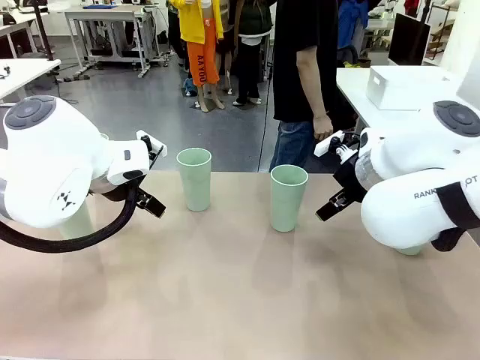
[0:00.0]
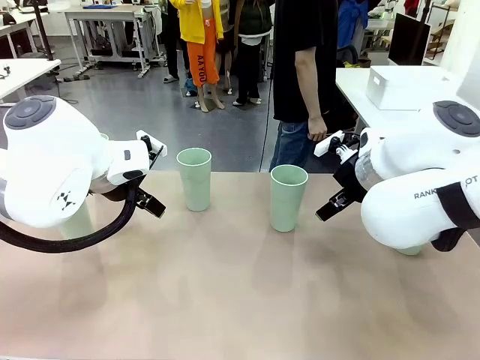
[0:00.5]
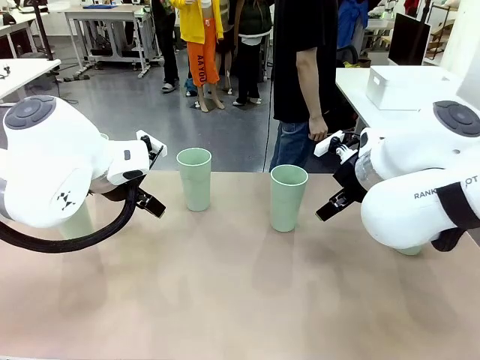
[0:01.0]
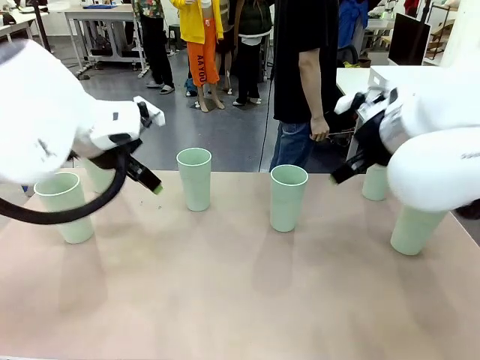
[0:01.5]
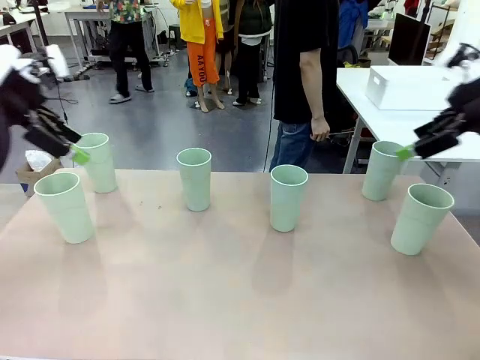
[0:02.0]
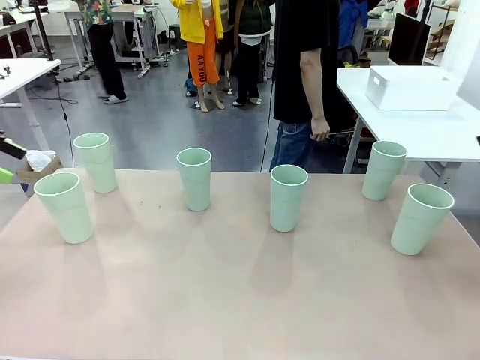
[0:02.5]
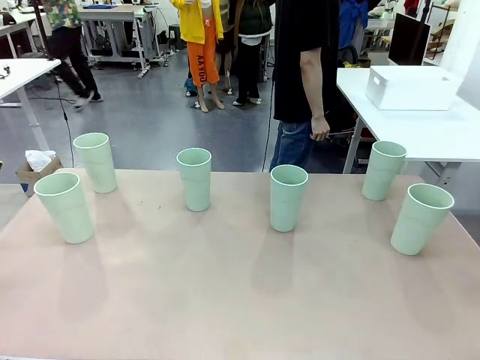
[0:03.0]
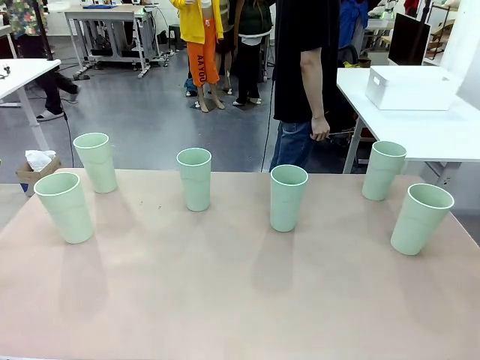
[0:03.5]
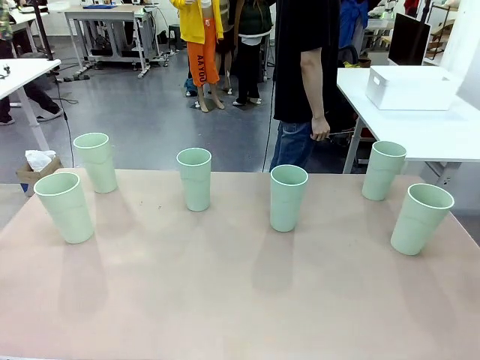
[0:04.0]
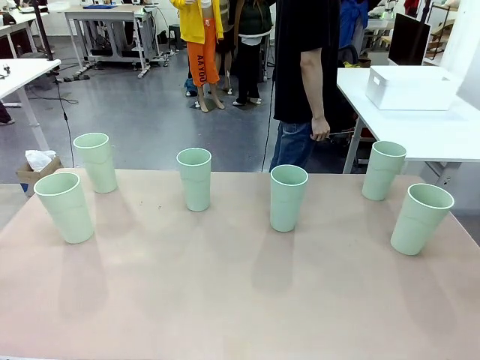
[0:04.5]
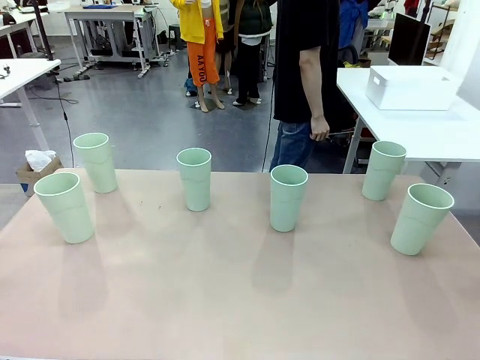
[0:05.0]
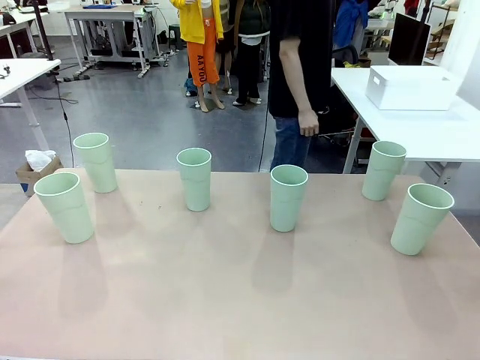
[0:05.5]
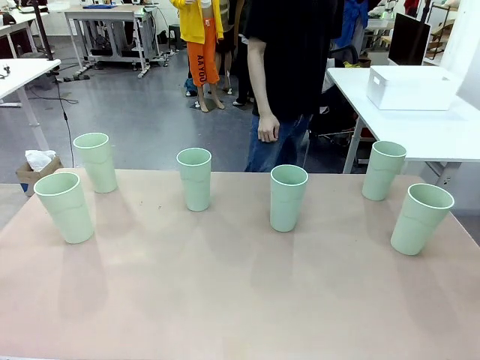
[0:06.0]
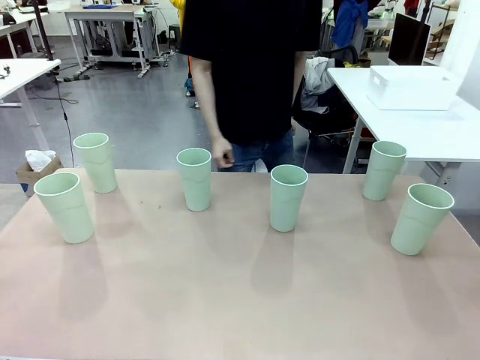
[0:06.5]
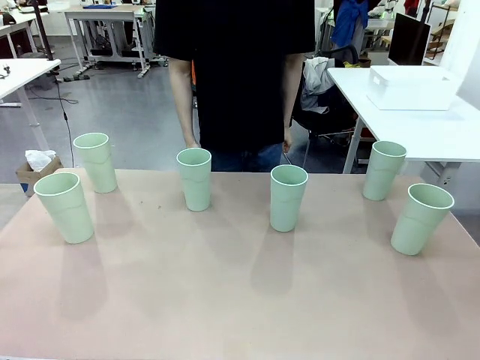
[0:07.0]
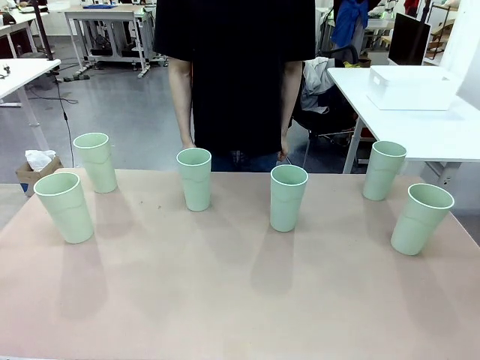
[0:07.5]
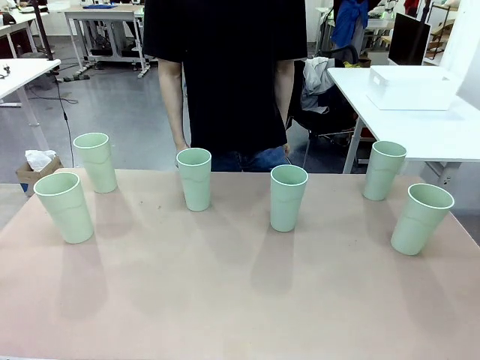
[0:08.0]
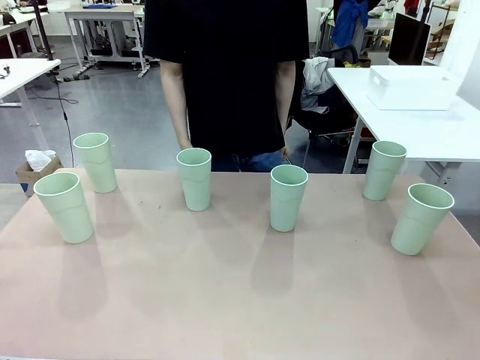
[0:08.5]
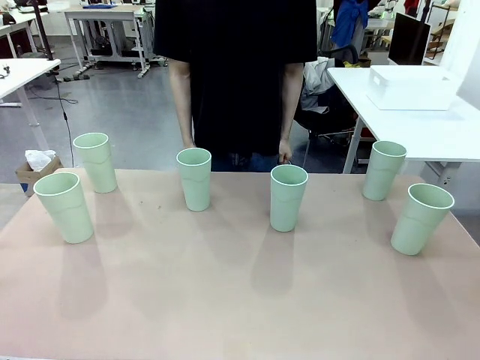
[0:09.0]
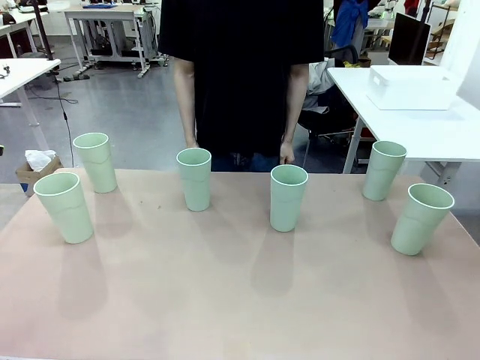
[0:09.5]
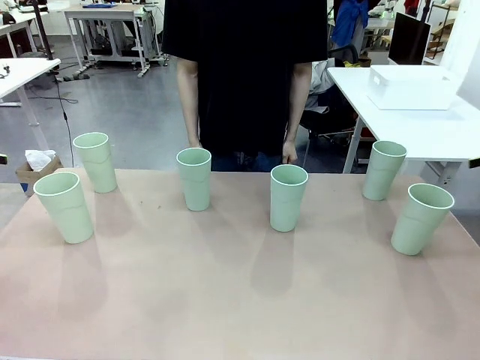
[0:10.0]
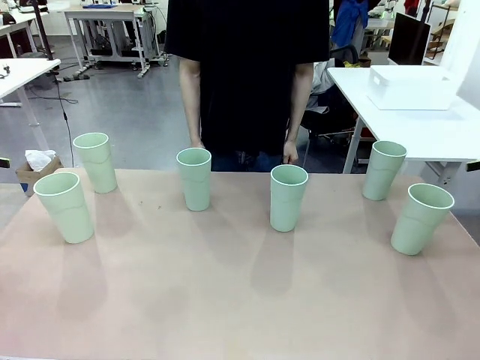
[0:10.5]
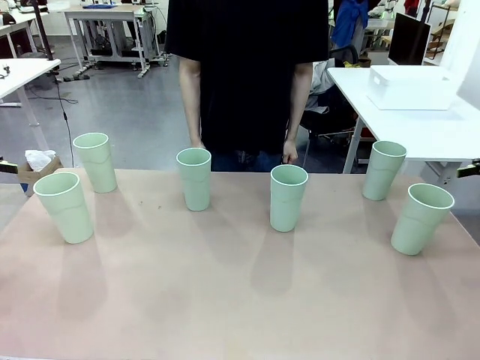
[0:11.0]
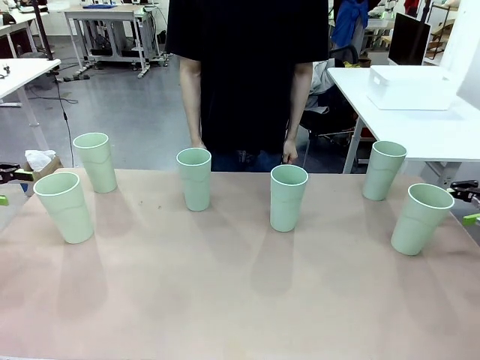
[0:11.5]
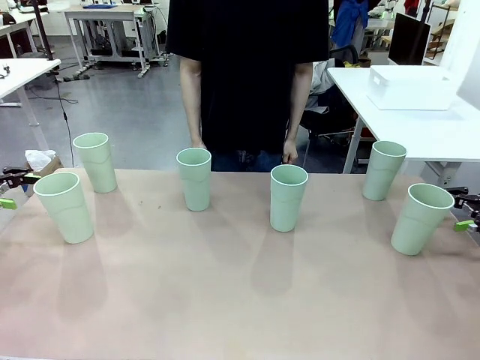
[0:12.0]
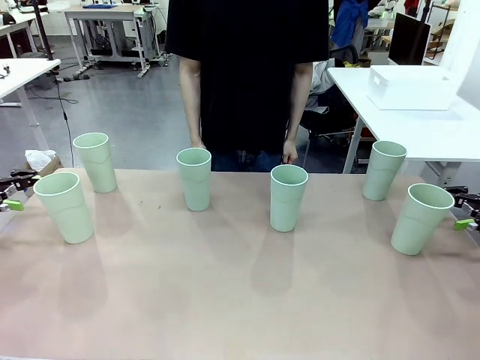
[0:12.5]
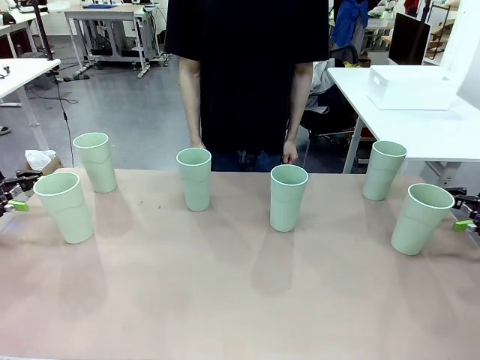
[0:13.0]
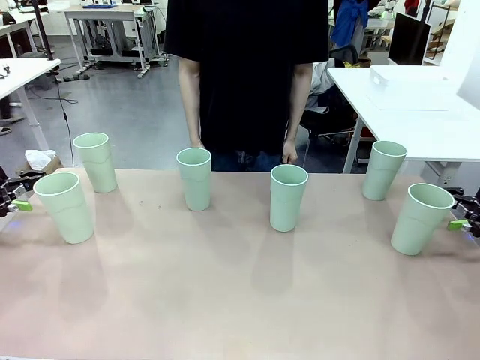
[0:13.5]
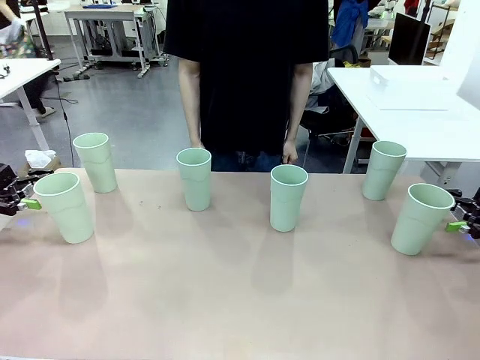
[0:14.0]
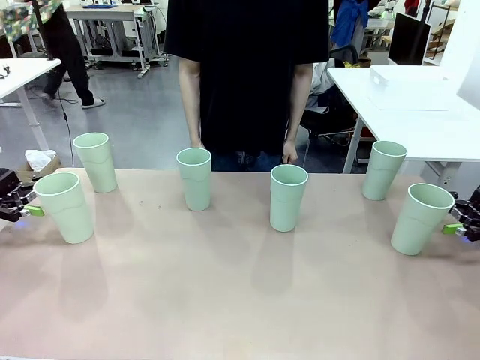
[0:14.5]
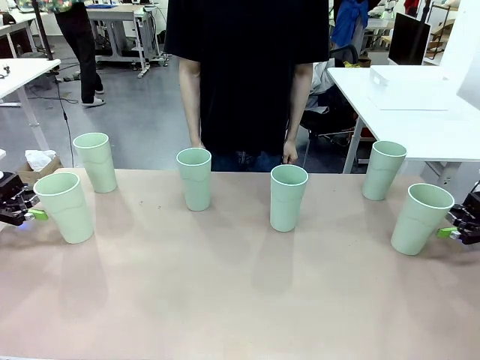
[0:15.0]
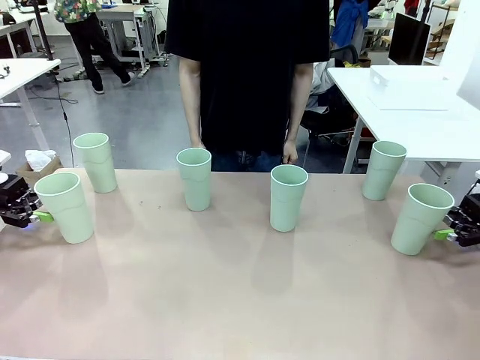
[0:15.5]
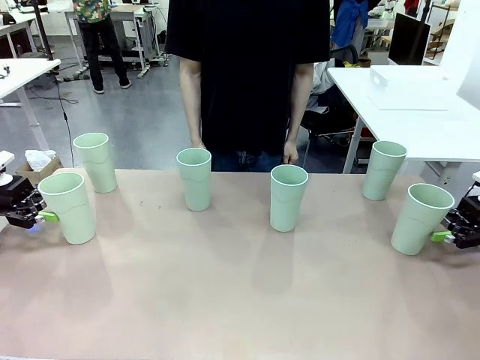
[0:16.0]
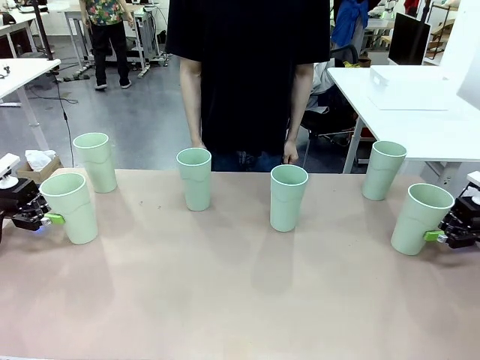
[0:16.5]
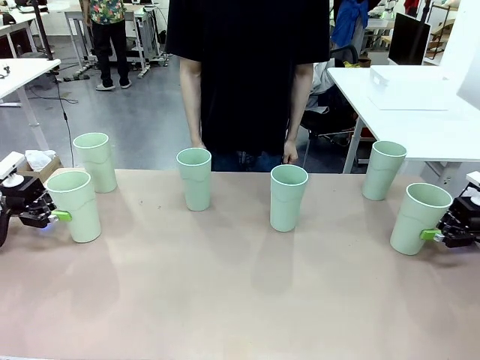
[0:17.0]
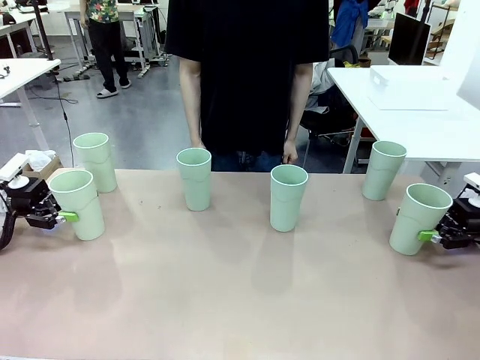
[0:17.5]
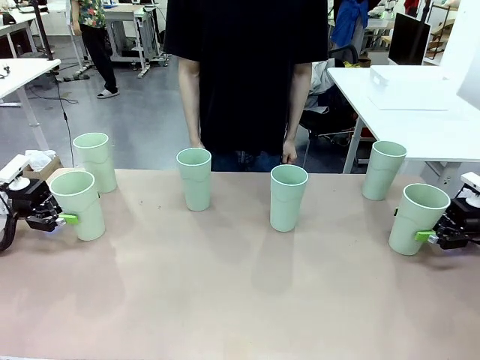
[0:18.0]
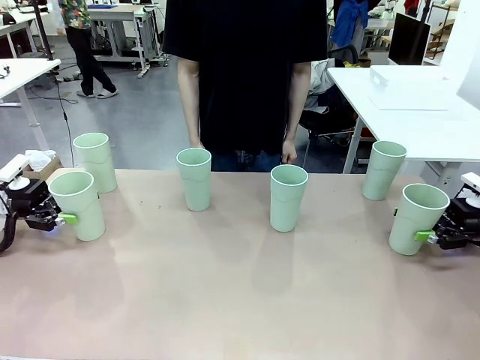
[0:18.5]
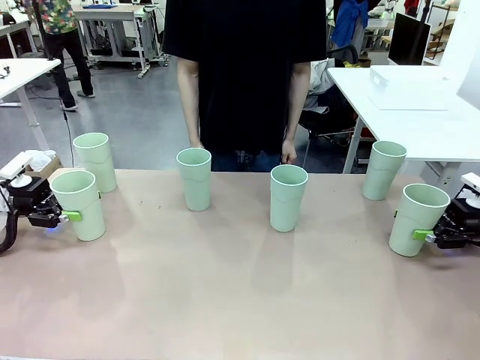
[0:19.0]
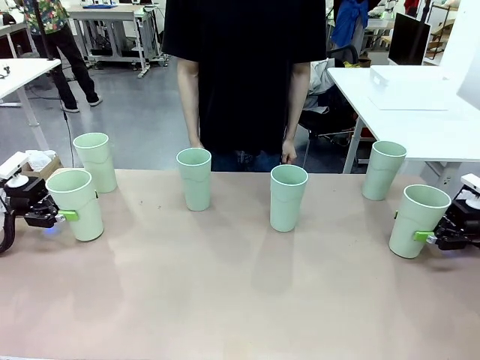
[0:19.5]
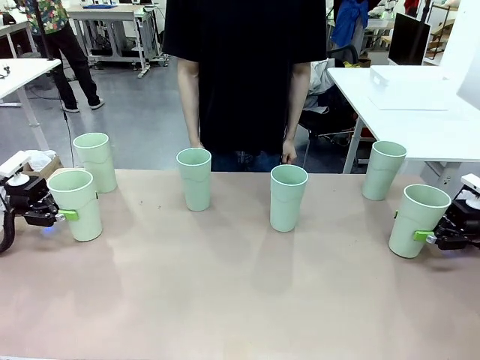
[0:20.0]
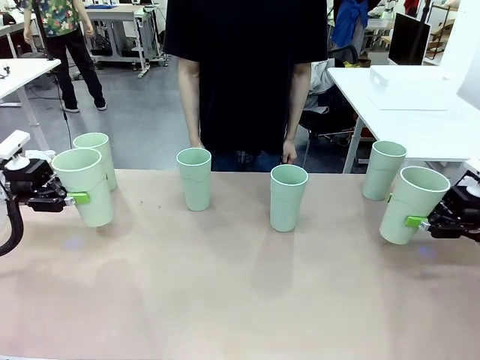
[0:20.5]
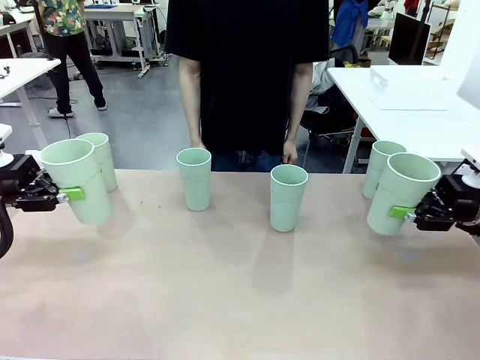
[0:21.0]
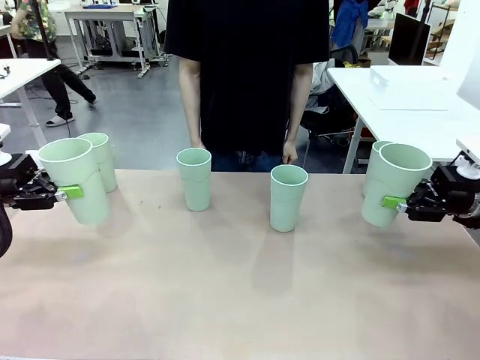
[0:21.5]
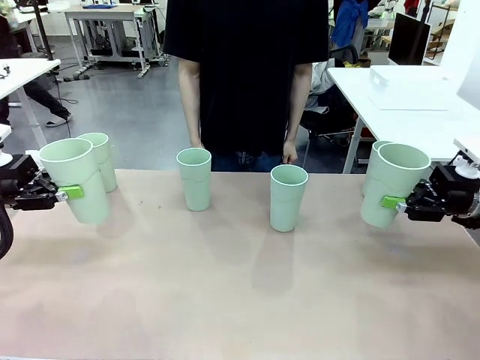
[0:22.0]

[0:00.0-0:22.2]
Task: Stack the cups and store them in the basket.
Robot: Pick up two Reusable plastic cups , one in each hand.
Person: Move from the Human Table to the front of the Robot Table. Stack two of the remaining cups on top of each cup held by the robot.

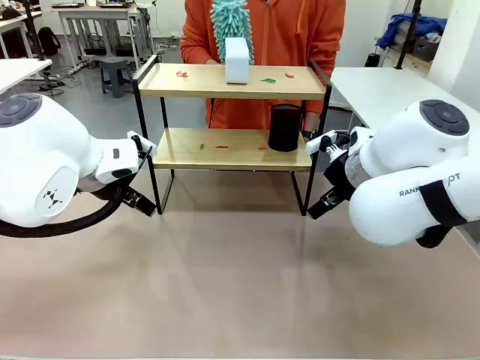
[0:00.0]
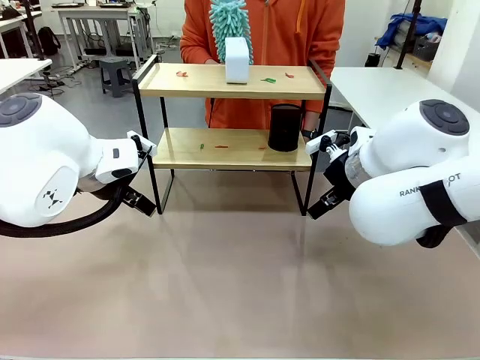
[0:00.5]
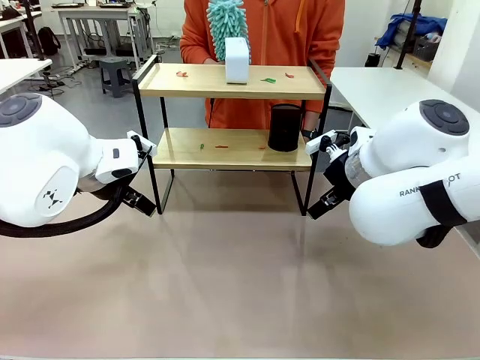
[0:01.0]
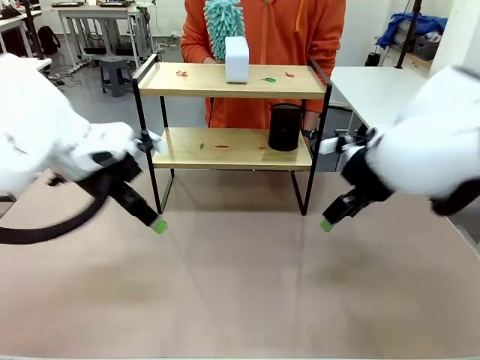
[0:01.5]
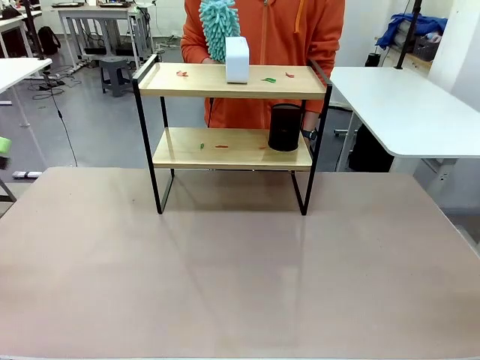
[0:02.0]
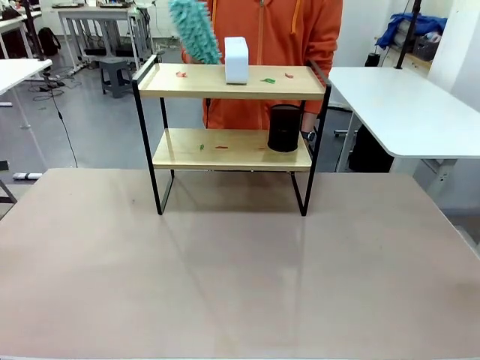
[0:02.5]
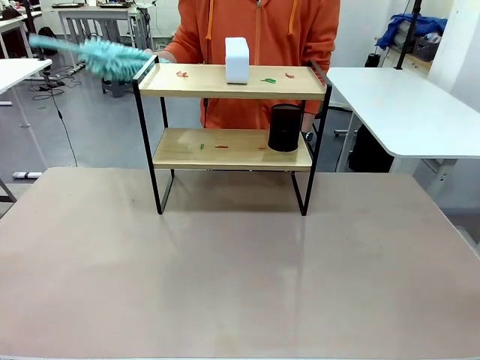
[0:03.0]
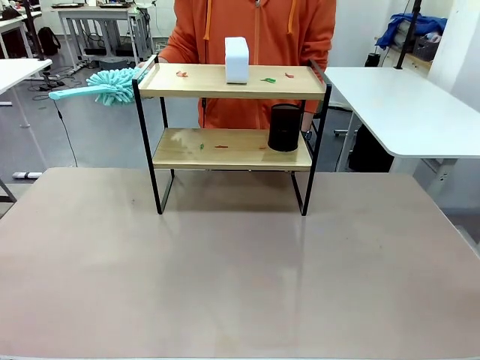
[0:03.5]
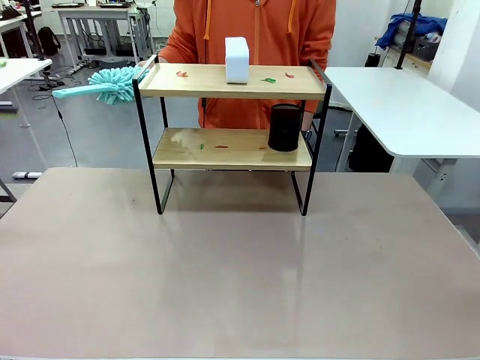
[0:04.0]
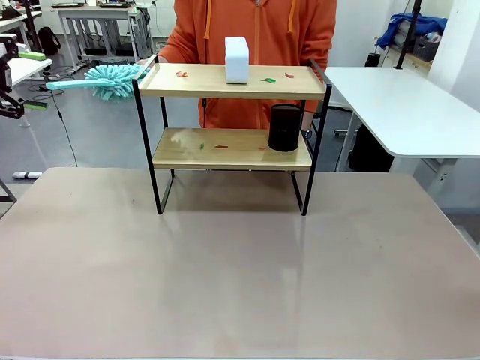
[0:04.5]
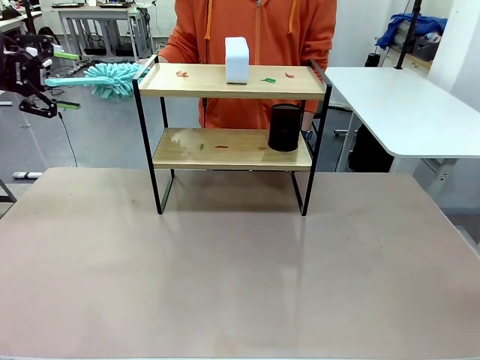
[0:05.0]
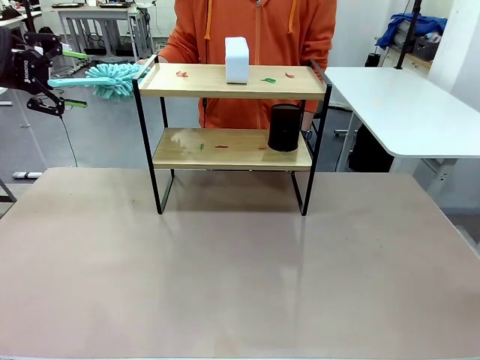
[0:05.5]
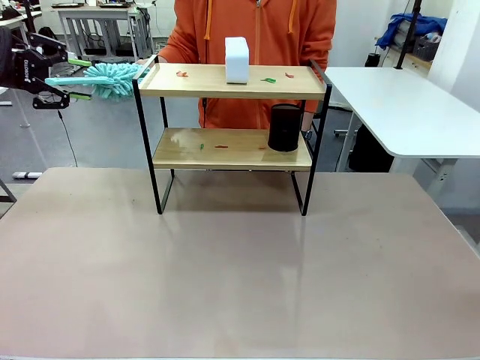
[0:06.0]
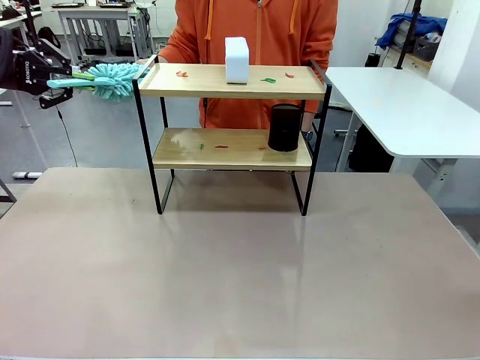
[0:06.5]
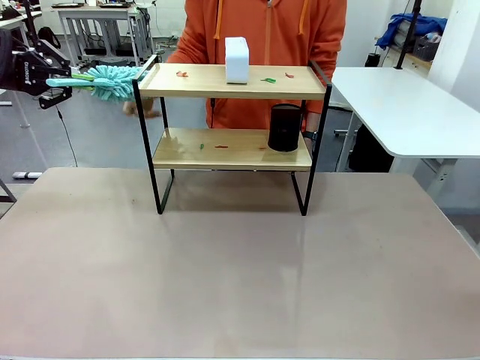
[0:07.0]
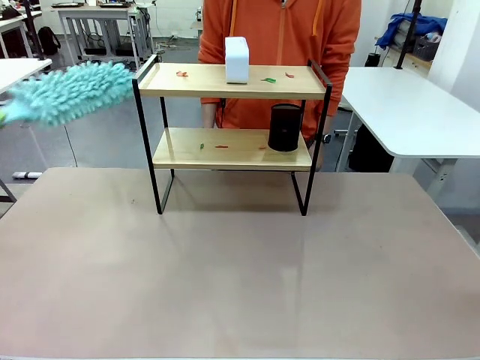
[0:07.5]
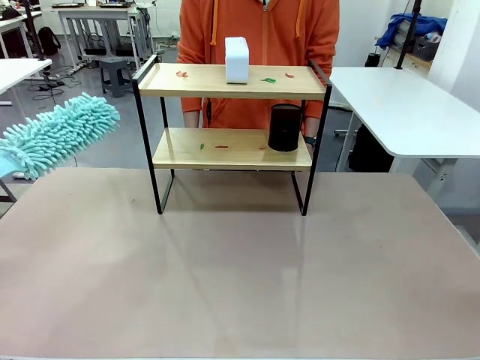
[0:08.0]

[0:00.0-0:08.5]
Task: Clean the shelf.
Robot: Pick up the Duster from the human.
Person: Hand the Duster to the robot.
